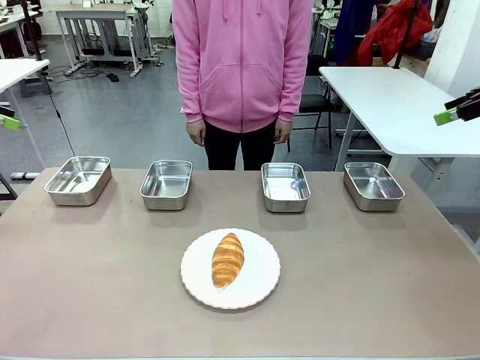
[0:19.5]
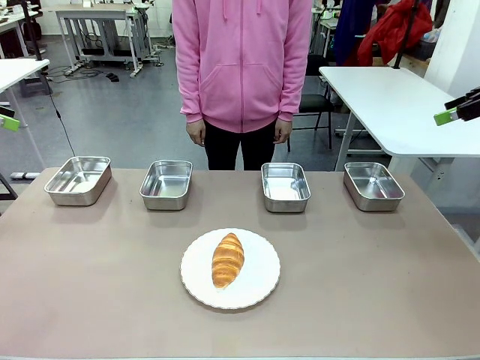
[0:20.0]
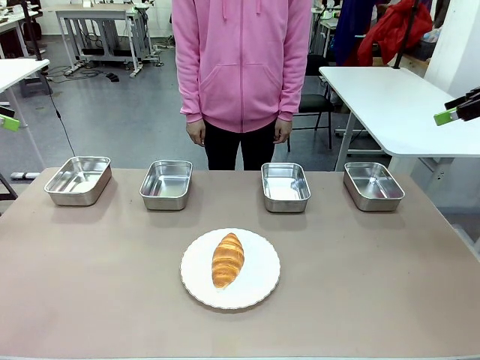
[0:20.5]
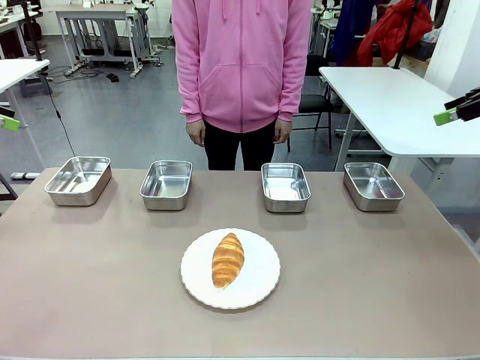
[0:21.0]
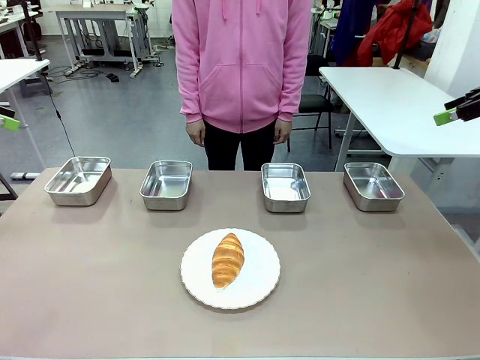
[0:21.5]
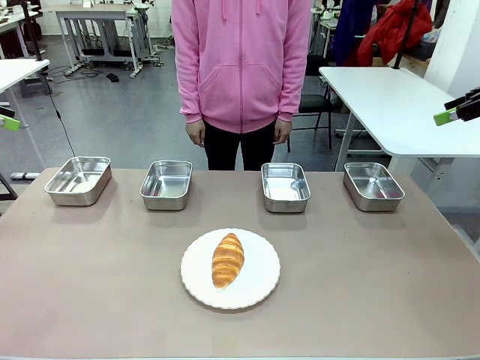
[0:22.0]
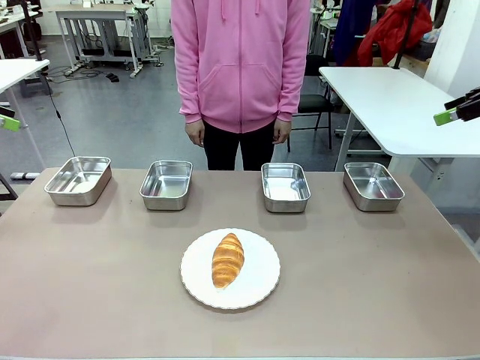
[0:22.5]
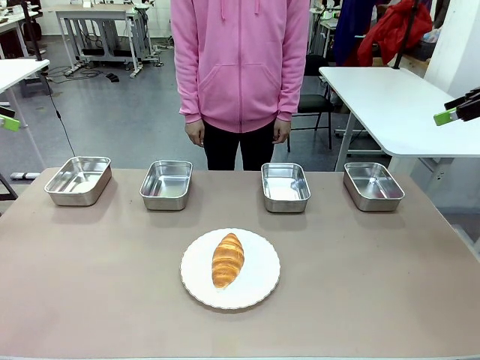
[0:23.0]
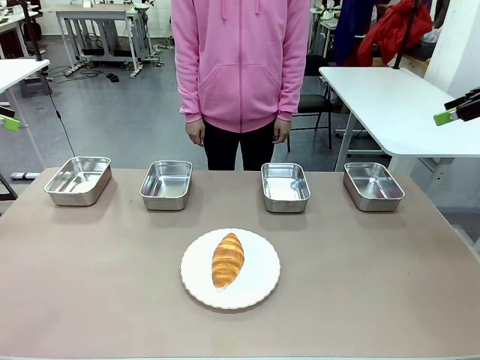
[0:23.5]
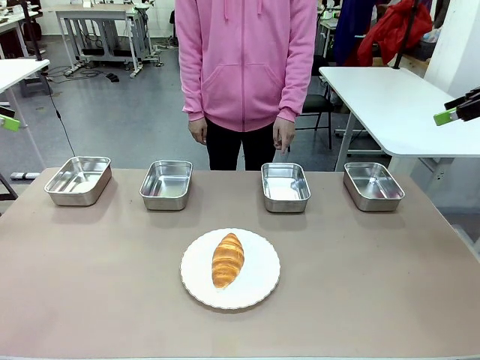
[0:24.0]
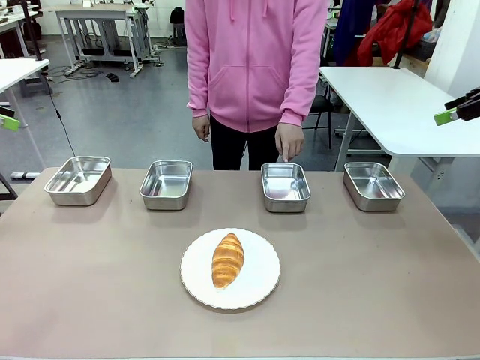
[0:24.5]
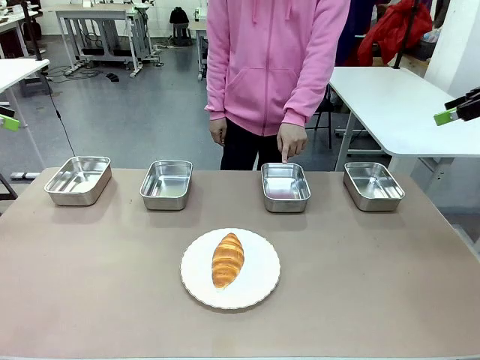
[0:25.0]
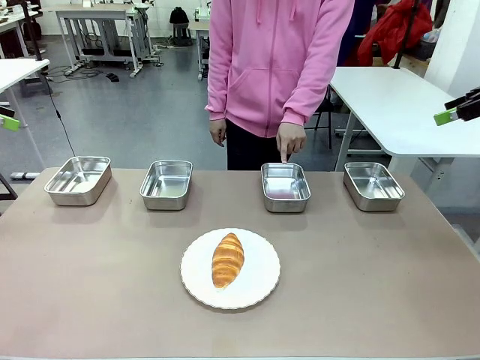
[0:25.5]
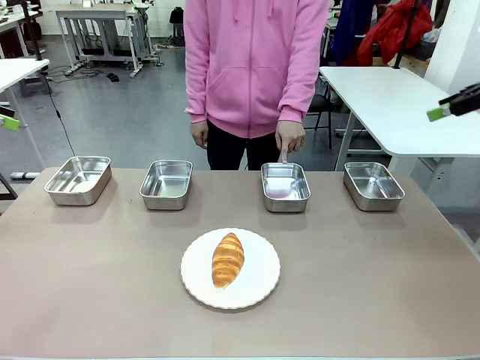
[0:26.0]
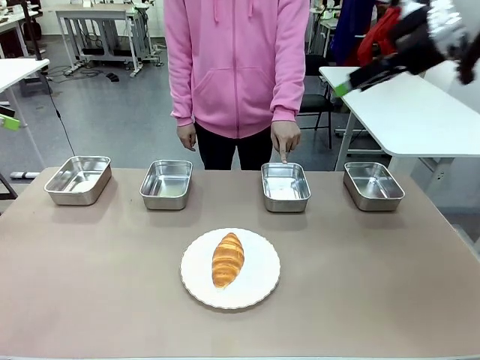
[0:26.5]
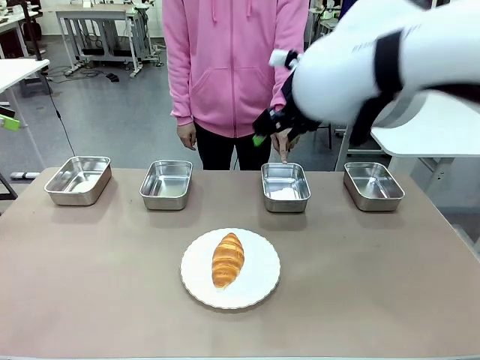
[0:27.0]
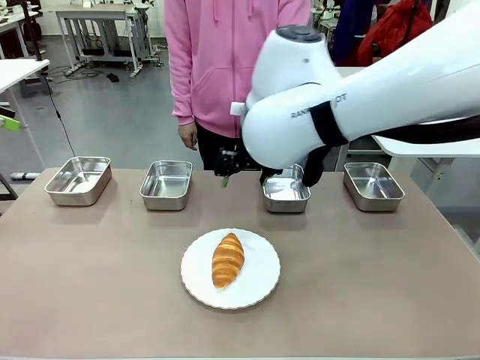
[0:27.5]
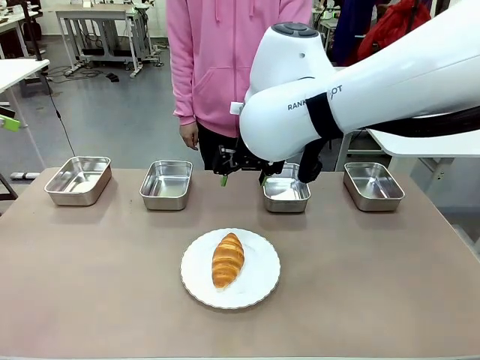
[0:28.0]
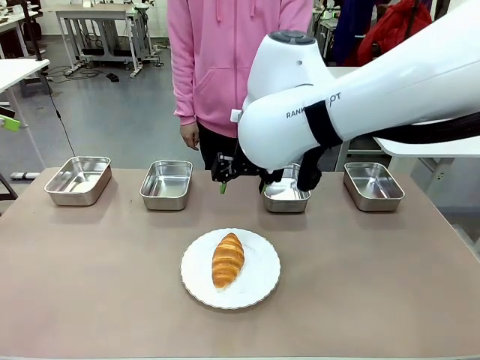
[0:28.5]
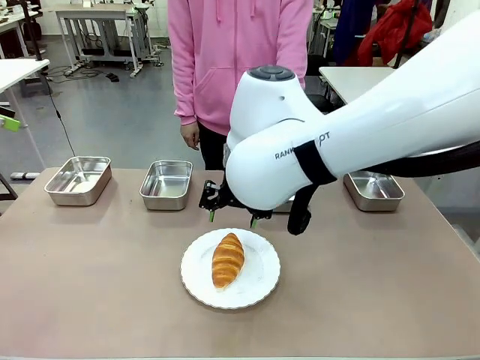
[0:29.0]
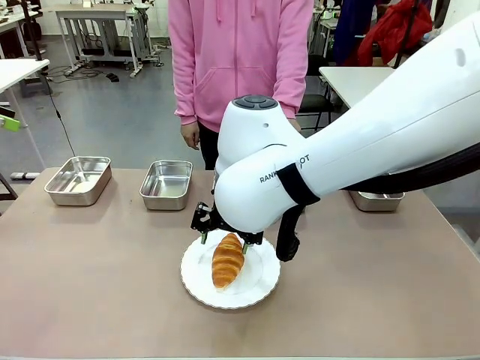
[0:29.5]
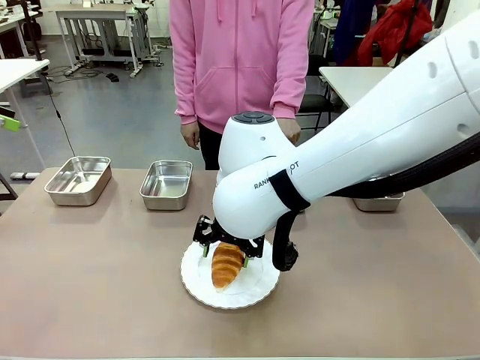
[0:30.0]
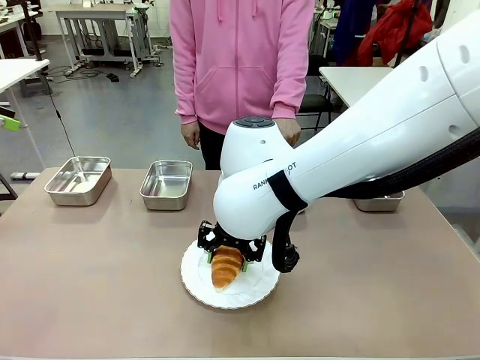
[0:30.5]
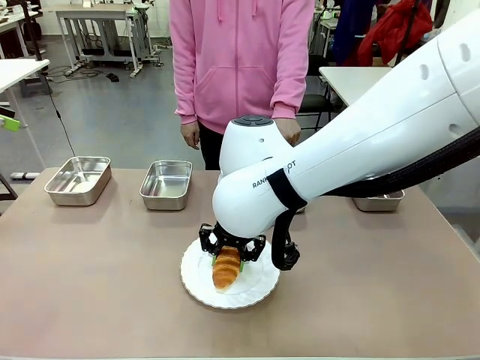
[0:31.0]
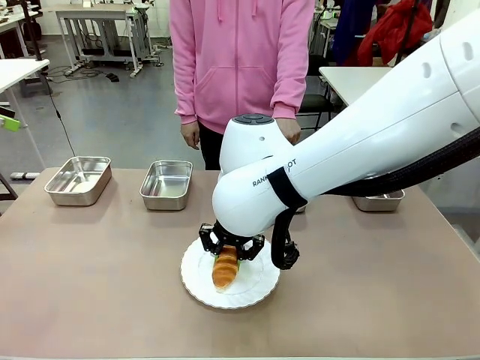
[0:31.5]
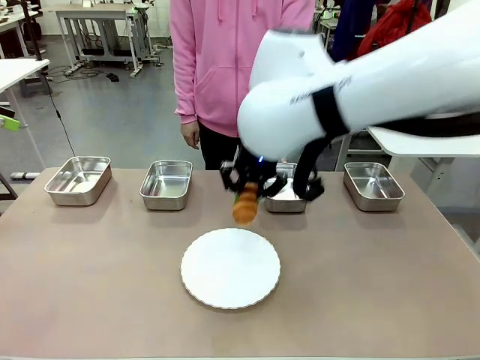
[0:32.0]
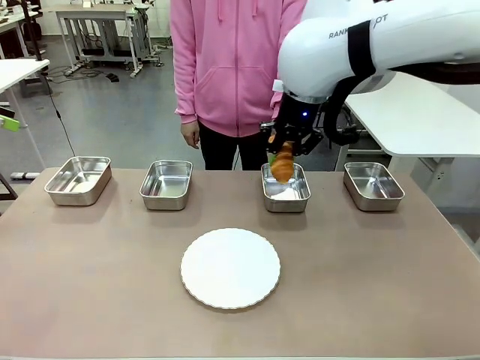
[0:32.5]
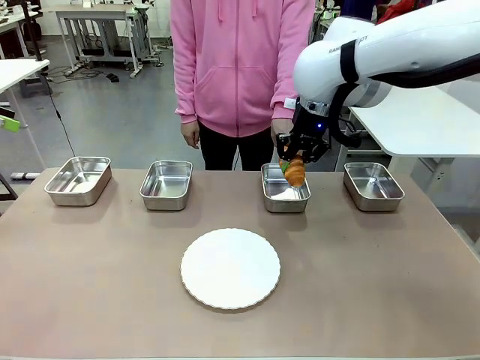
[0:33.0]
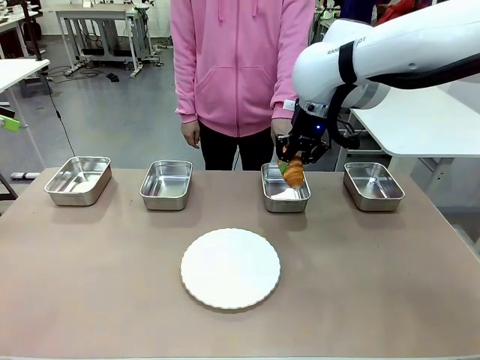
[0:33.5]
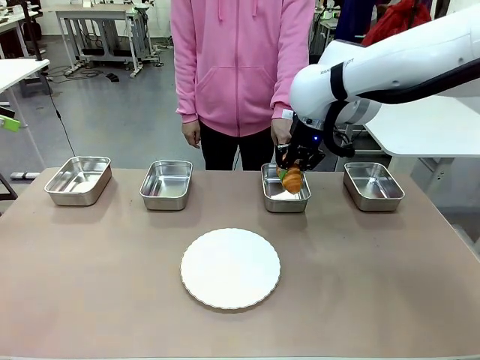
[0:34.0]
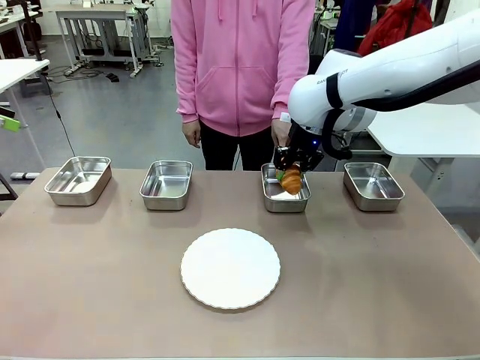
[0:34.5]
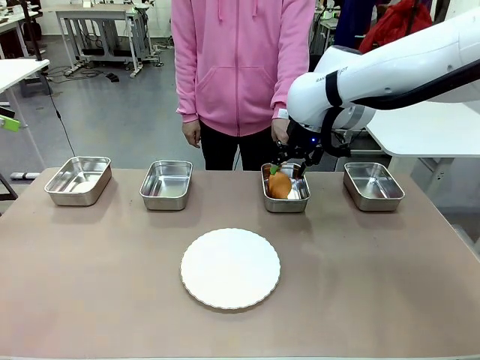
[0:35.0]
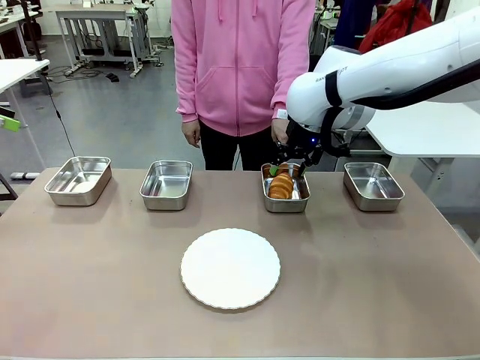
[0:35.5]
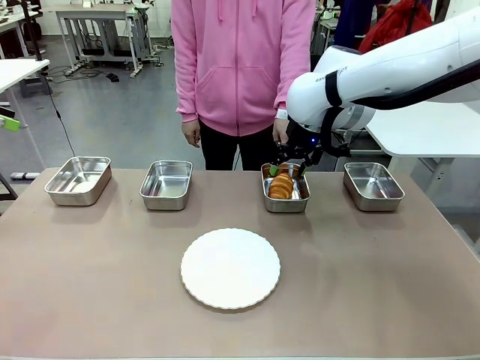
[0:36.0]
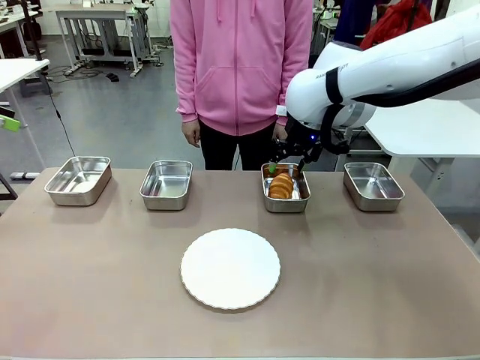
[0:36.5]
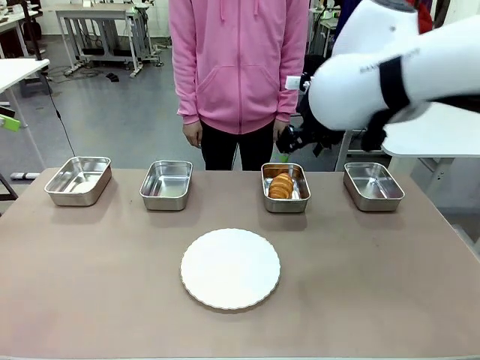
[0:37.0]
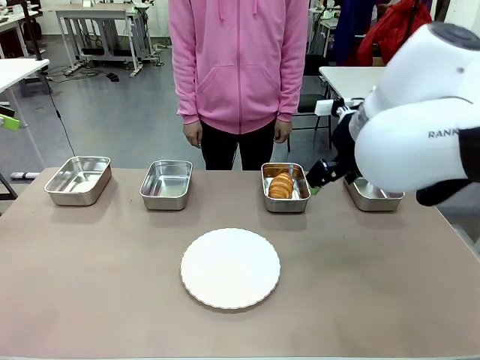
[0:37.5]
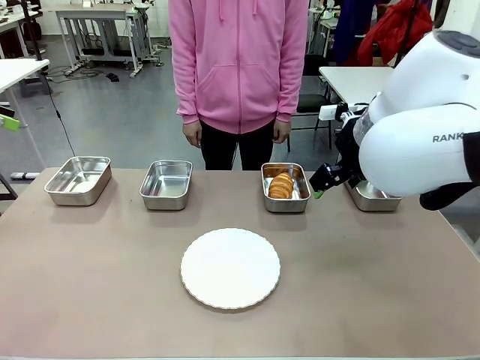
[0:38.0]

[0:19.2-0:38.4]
Task: Place the bread in the container.
Robot: Place the Butter Roll into the Airtight Container indicated by the human.
